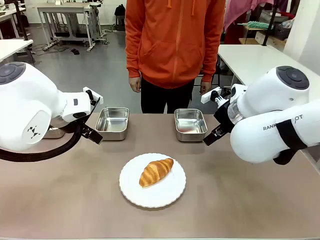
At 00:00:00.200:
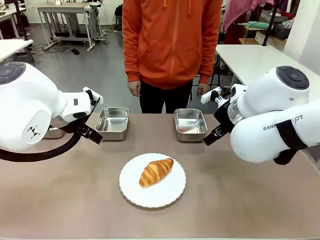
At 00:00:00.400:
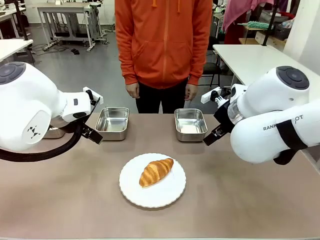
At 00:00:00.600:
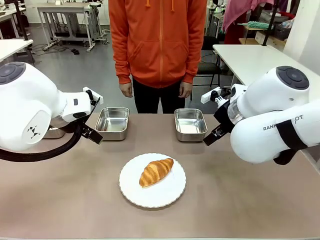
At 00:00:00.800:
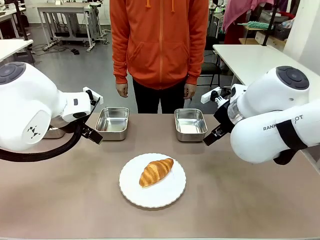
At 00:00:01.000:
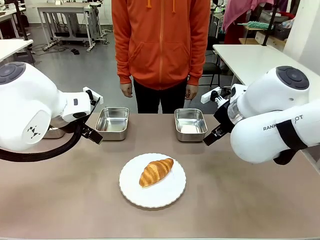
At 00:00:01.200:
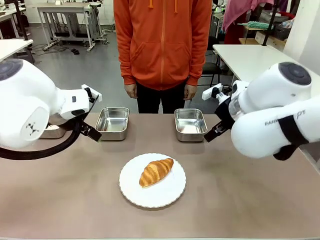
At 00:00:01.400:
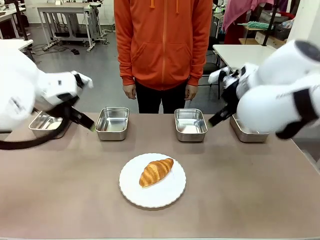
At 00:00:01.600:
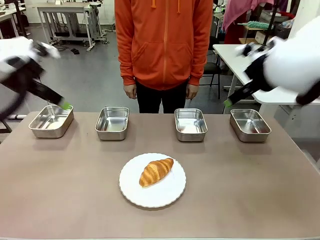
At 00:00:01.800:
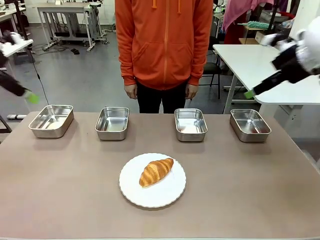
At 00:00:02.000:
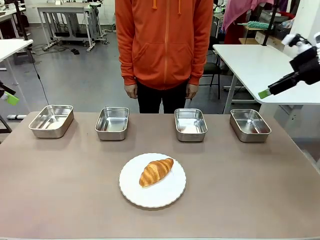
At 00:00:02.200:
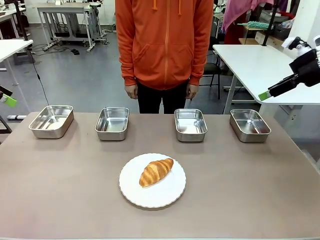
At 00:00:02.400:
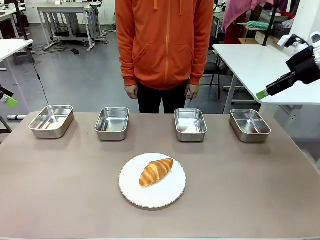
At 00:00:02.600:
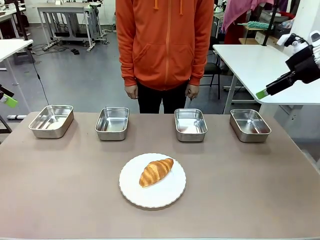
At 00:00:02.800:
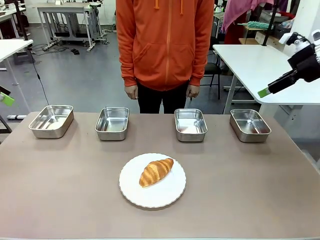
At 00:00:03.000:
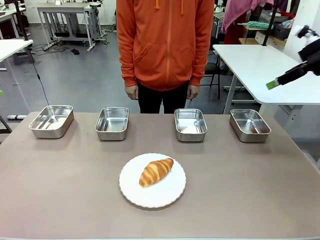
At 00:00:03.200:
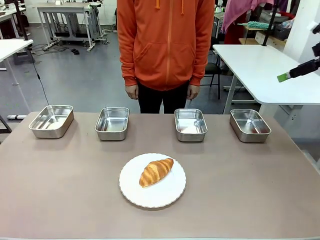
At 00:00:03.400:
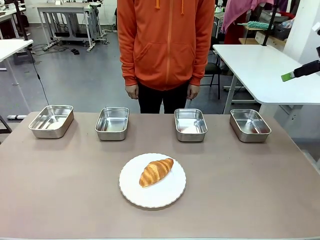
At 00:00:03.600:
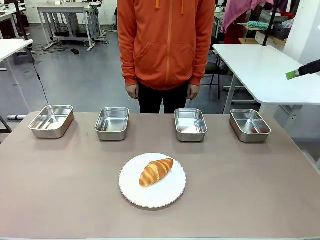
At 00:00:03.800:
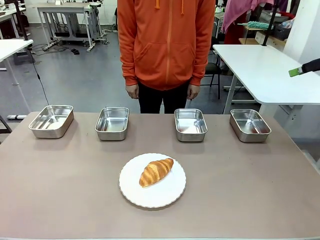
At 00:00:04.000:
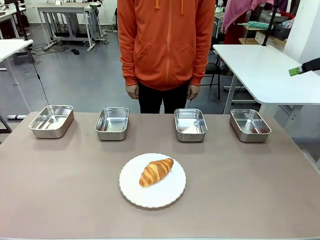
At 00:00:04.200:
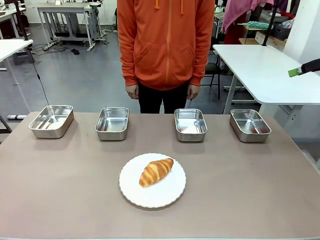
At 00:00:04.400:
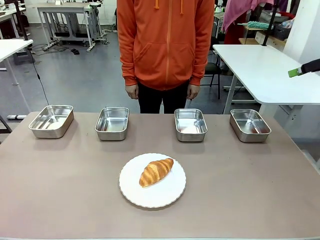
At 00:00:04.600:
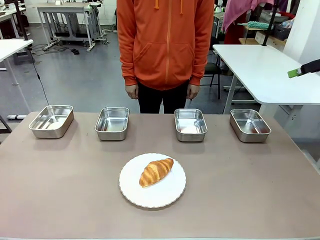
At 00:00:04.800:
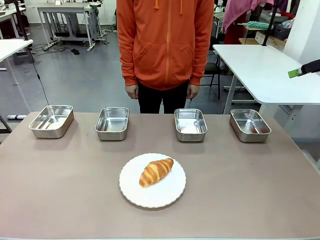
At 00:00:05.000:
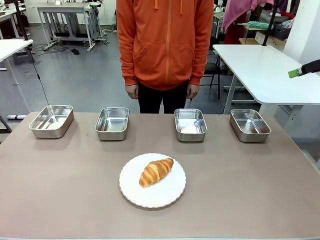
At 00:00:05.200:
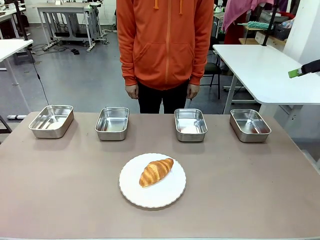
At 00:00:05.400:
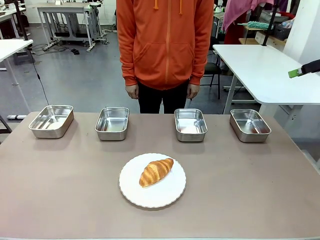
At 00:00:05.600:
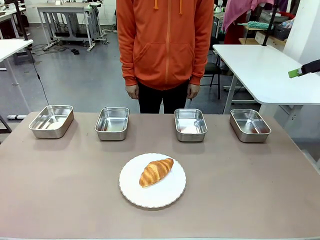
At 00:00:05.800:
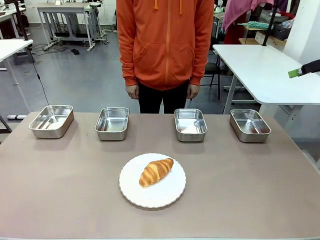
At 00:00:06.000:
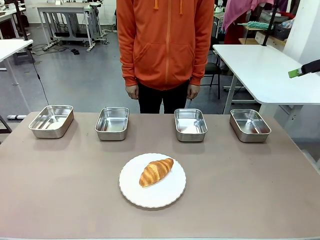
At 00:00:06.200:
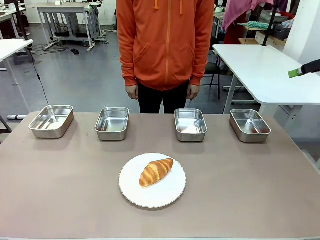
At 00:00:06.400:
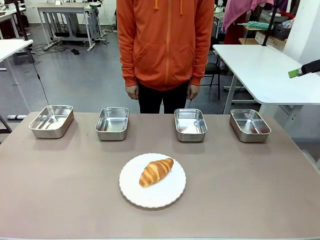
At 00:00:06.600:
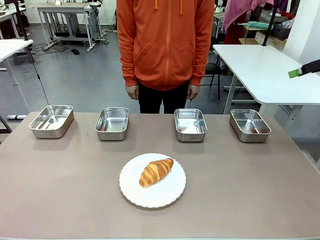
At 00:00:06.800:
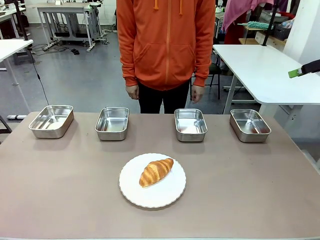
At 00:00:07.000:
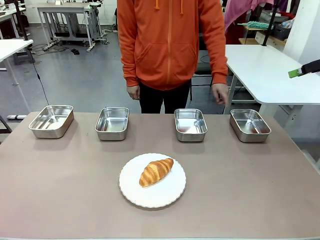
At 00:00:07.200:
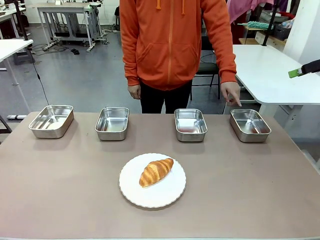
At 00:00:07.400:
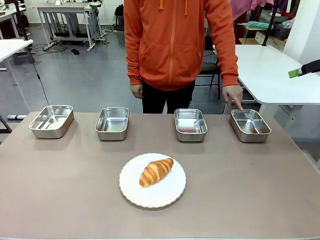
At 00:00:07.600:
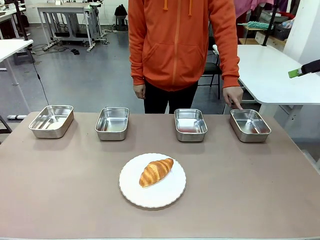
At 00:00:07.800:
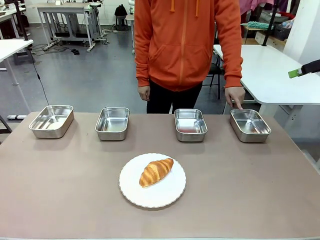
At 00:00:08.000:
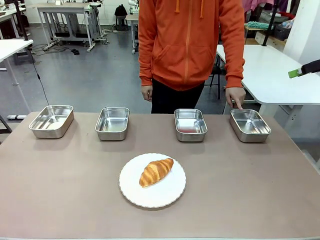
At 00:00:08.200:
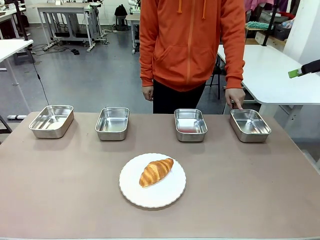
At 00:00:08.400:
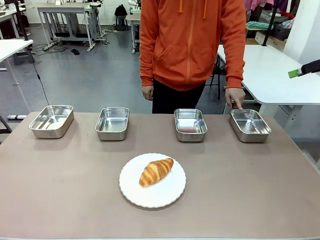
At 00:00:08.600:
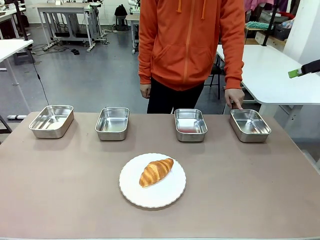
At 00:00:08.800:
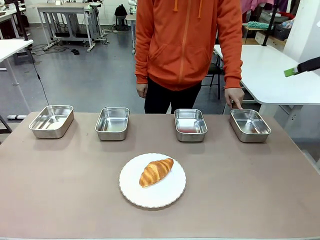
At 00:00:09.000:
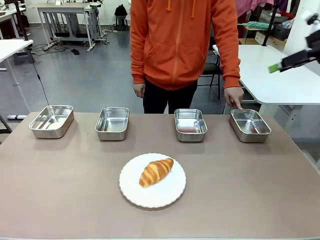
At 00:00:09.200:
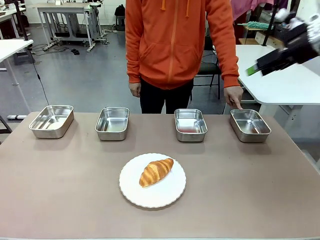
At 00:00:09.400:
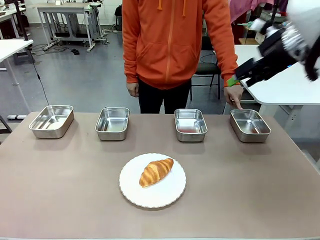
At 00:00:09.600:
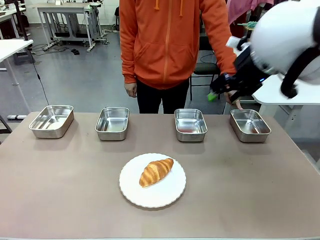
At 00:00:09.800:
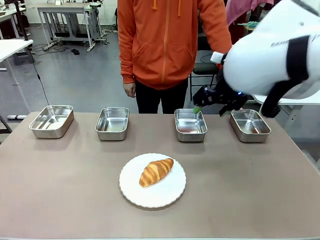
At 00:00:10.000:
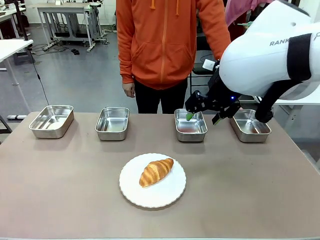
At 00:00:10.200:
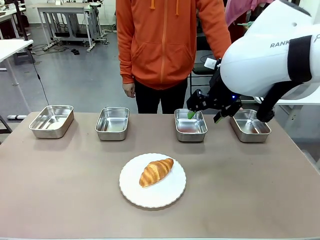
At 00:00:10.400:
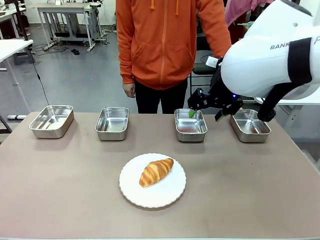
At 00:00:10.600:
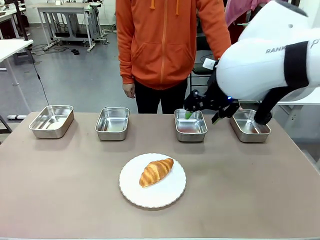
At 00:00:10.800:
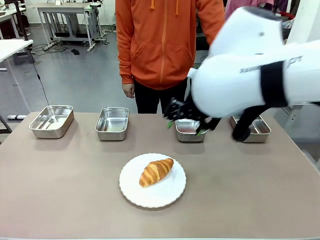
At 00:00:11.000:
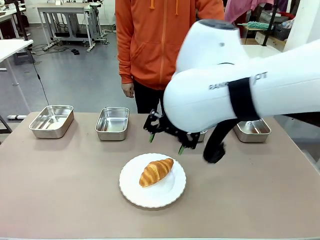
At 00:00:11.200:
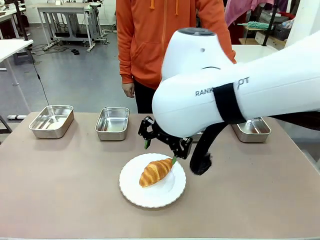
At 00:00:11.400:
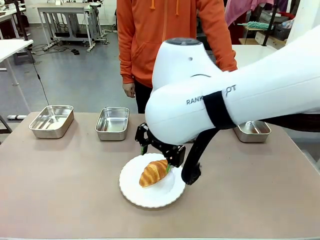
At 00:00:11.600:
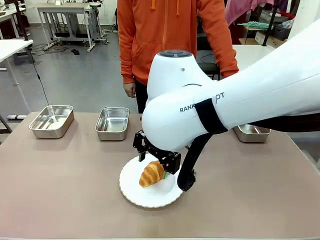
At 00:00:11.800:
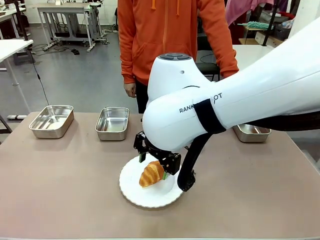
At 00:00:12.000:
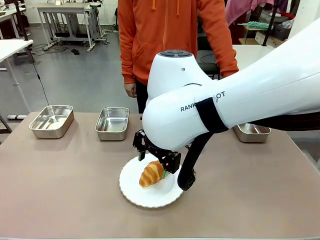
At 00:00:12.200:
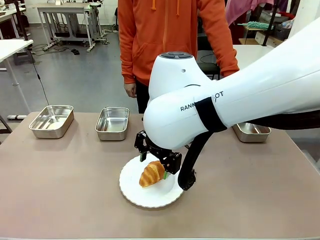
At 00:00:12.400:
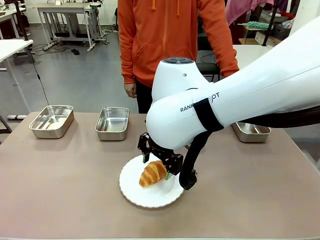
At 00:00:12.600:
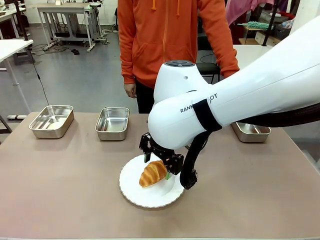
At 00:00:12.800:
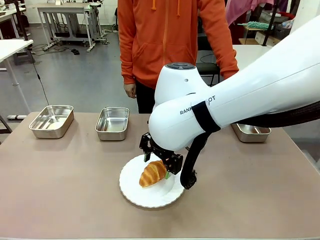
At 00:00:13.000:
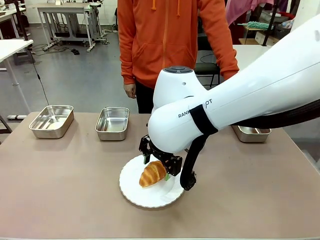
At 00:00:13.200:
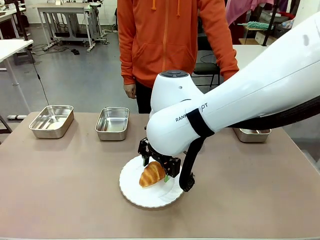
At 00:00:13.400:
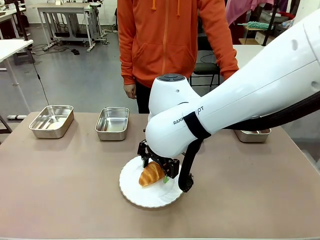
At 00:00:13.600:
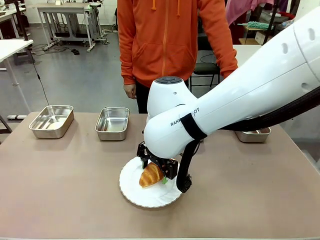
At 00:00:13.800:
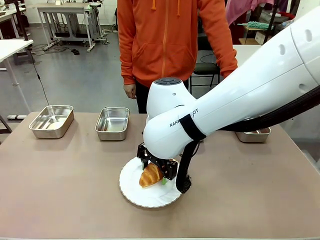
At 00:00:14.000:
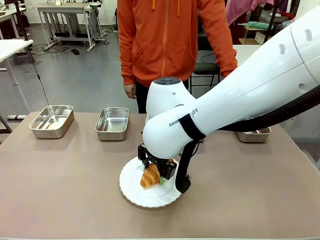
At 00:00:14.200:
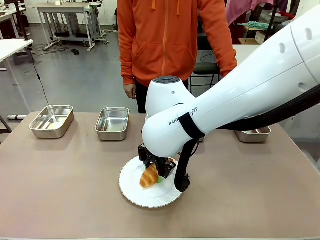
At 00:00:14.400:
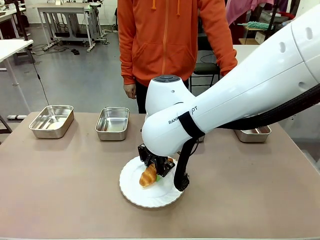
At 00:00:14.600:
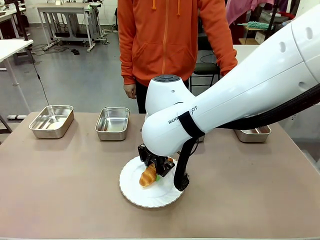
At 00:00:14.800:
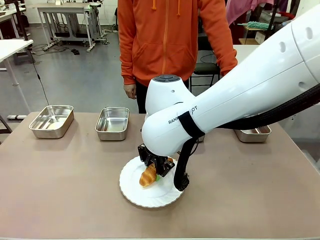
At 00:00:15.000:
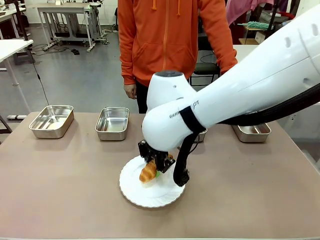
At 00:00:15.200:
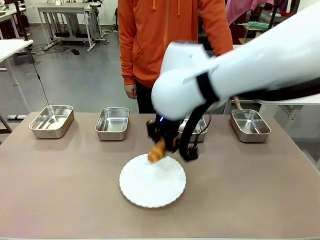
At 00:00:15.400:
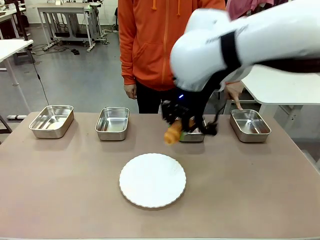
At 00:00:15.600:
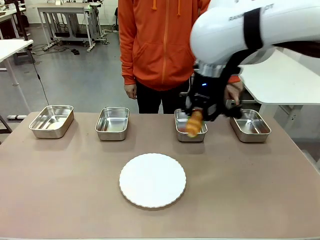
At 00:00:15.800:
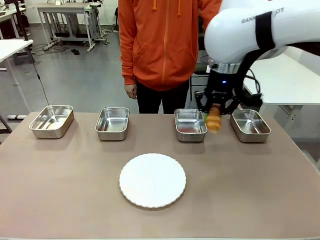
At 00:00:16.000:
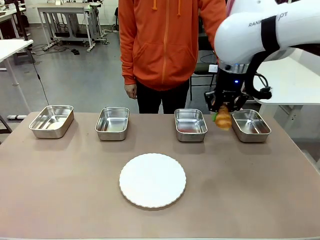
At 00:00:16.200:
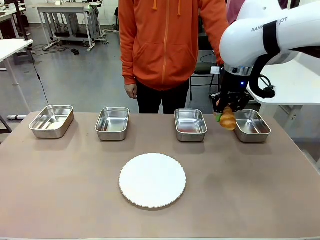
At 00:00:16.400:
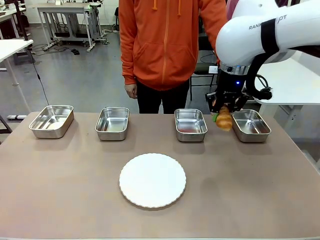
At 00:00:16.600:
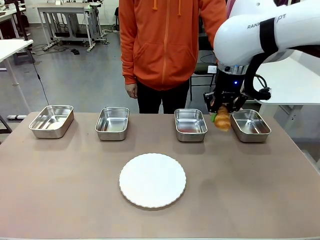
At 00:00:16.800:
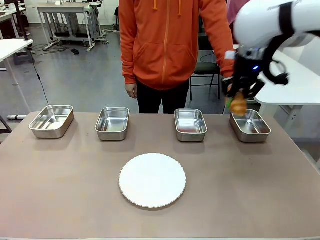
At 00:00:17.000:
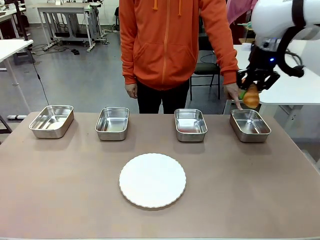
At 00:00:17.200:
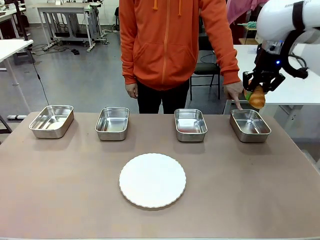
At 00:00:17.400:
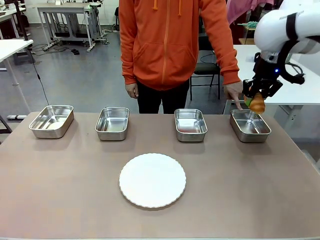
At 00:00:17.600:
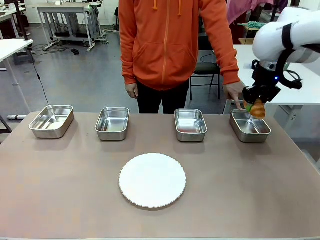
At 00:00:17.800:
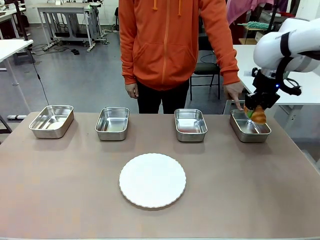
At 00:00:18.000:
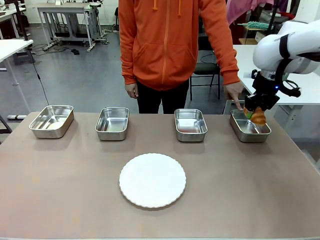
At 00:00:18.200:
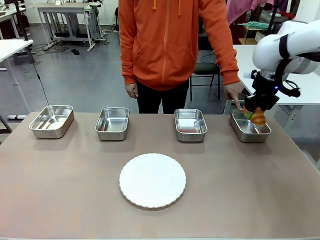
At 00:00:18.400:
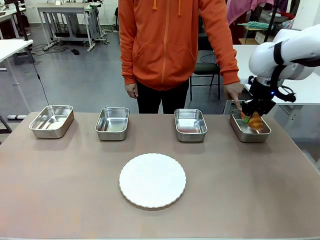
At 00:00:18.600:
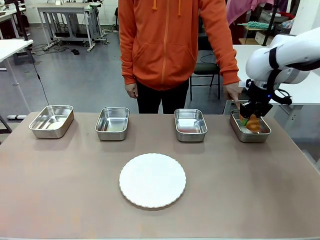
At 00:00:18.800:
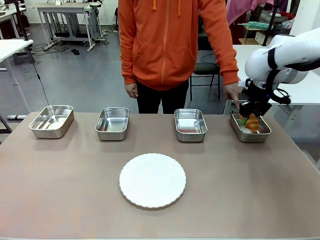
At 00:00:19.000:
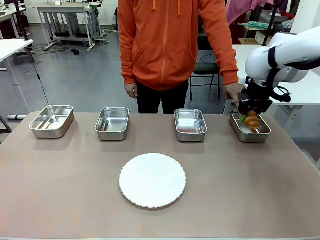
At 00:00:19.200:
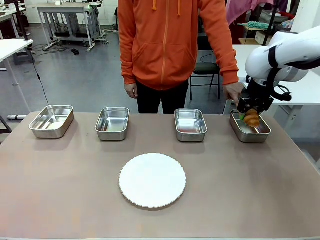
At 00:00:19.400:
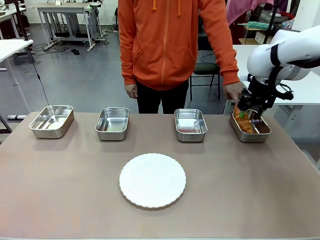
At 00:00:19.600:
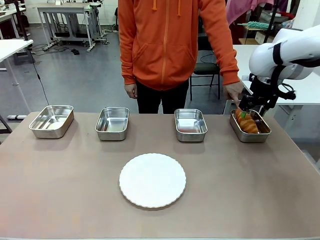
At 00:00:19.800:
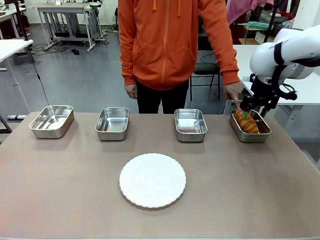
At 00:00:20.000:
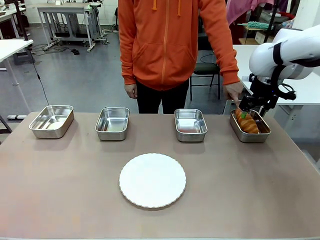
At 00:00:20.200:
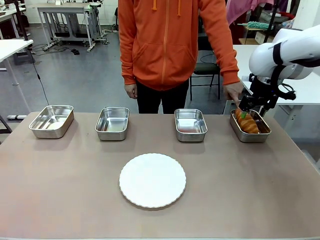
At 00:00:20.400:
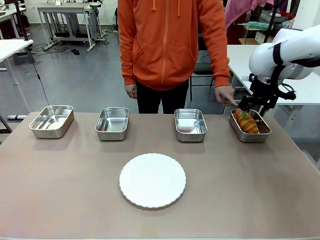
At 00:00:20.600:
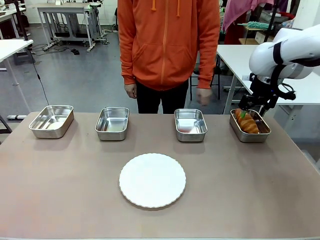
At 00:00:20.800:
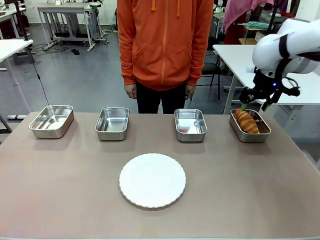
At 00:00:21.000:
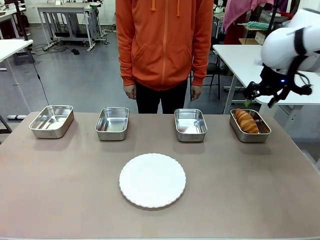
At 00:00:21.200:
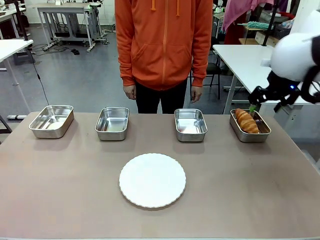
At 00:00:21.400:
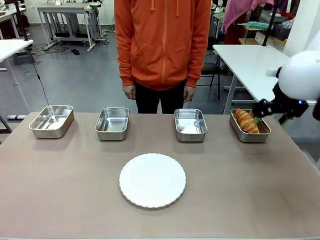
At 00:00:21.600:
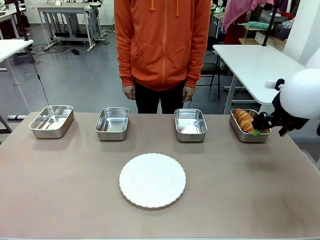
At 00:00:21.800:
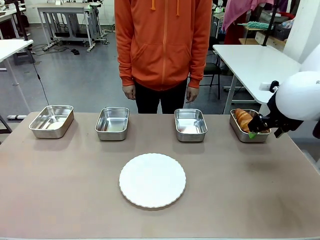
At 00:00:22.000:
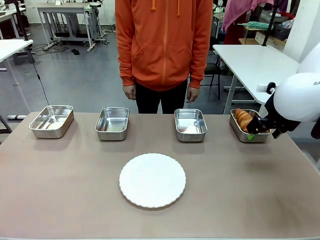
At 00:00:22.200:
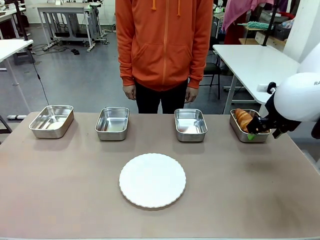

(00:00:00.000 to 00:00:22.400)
Task: Place the bread in the container.
Robot: Place the Butter Roll into the Airtight Container indicated by the human.
Person: A person randomly selects and points to an Airtight Container.
